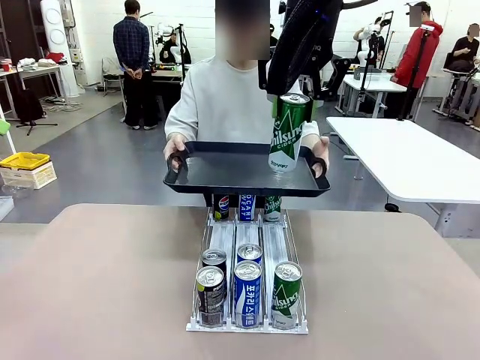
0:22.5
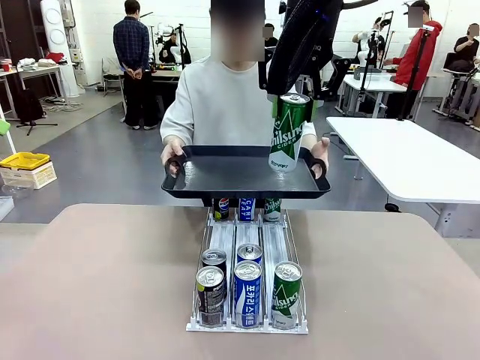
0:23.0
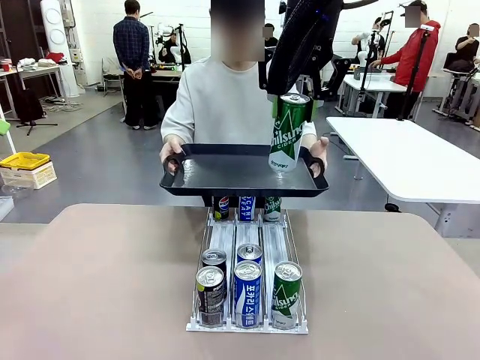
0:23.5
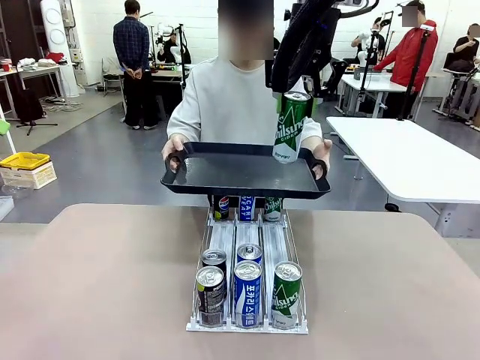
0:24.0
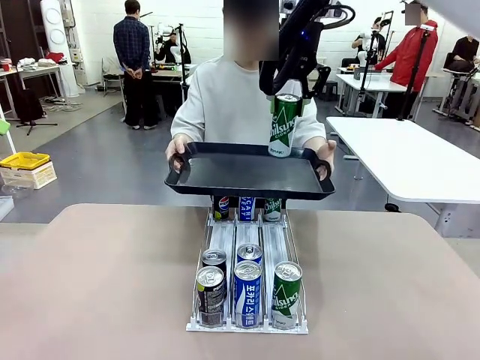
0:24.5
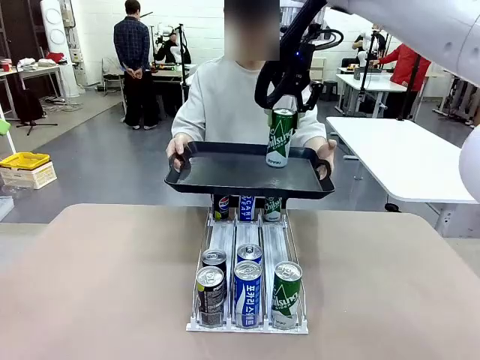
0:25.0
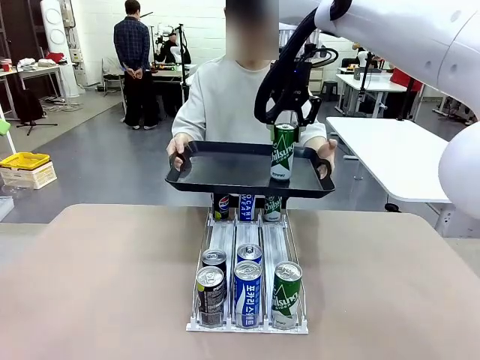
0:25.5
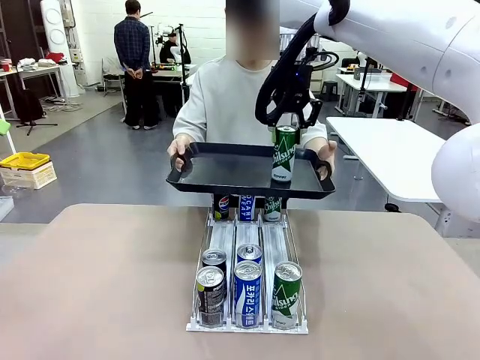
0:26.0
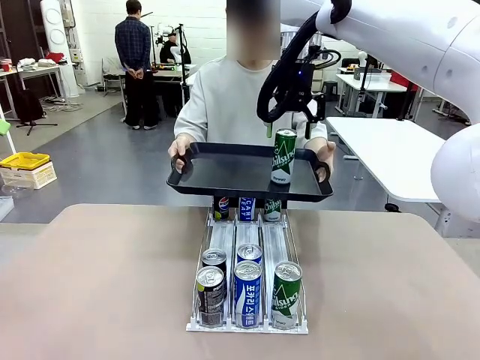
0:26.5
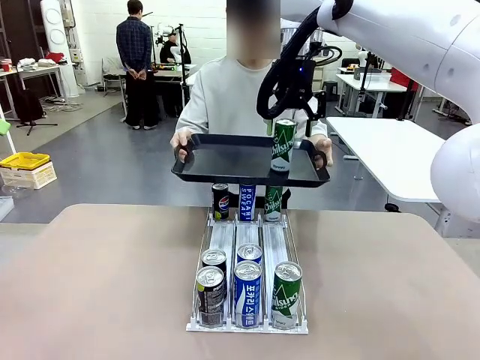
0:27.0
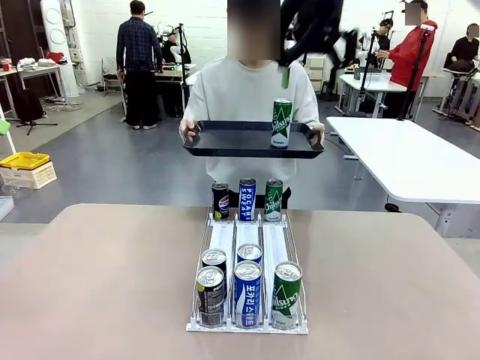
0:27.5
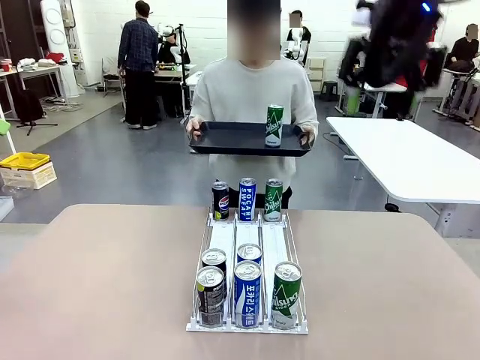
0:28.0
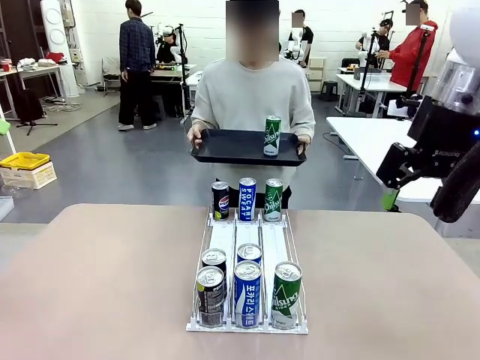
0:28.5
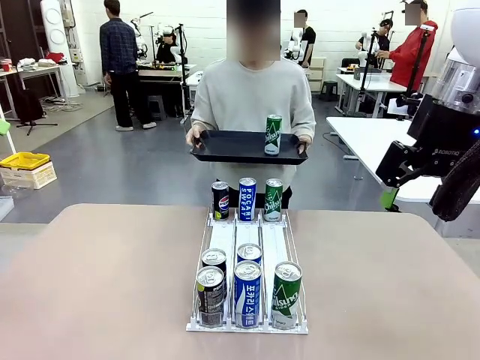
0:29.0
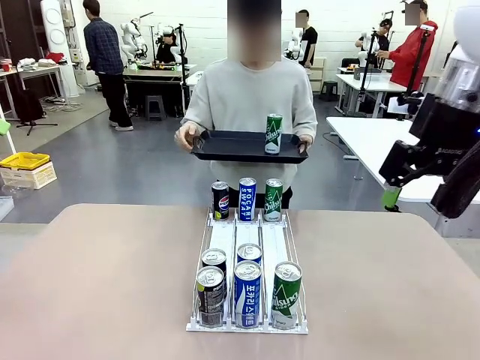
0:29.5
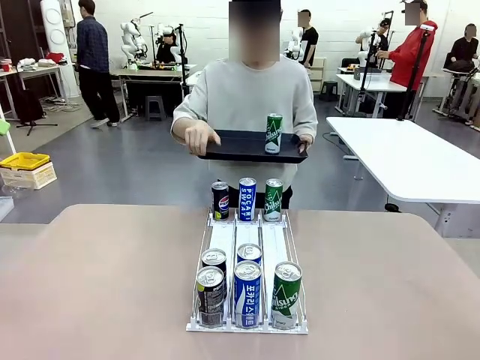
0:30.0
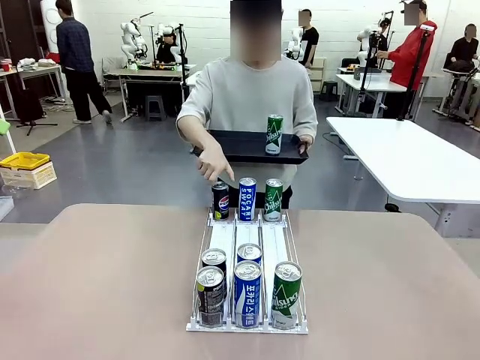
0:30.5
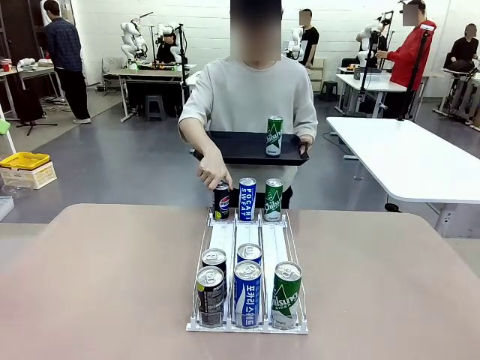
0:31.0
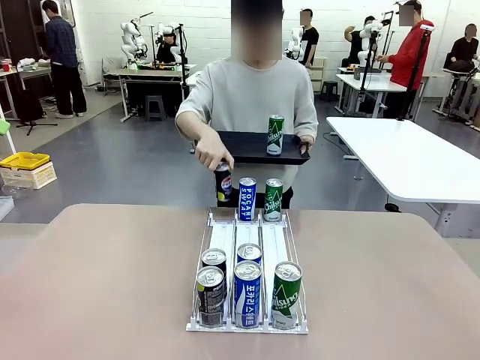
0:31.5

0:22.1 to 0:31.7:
Task: Retrieve and hand over the desired beverage to the person.
Robot: Place the picked can on the Handle tray extended by the person.
Person: Pull the tray back, then pick up another can from the bottom area of the table and puts it back in its original place.

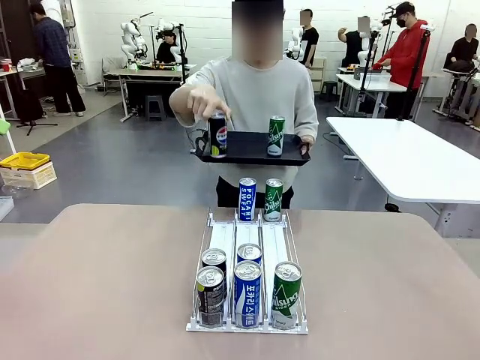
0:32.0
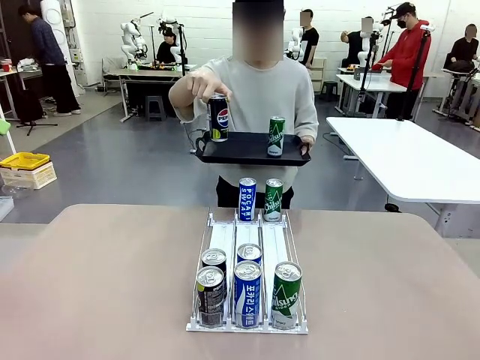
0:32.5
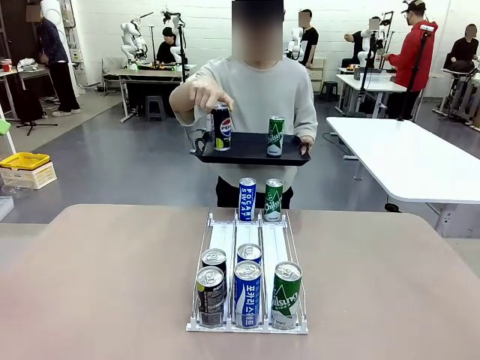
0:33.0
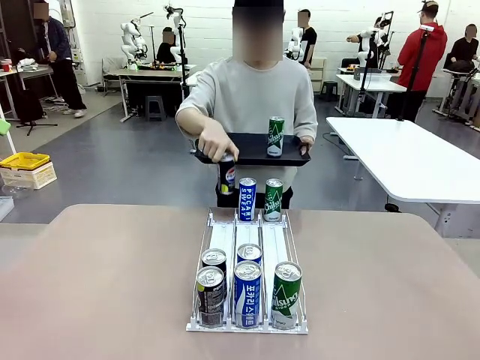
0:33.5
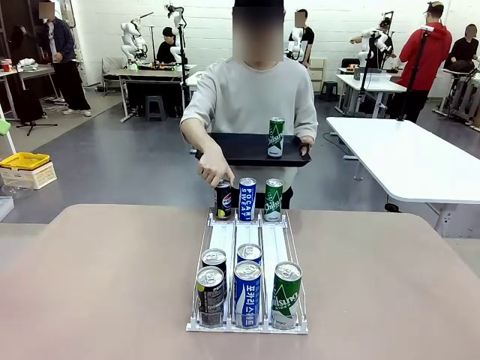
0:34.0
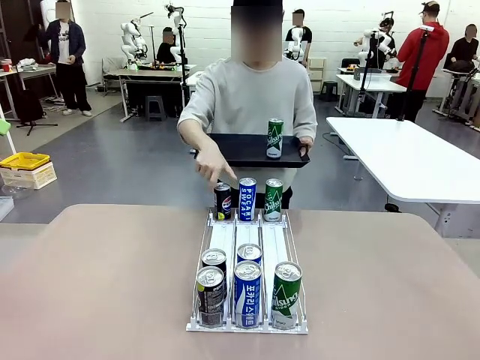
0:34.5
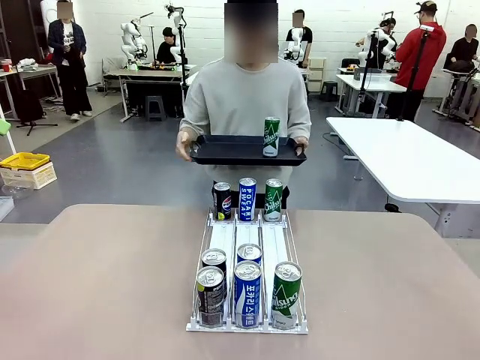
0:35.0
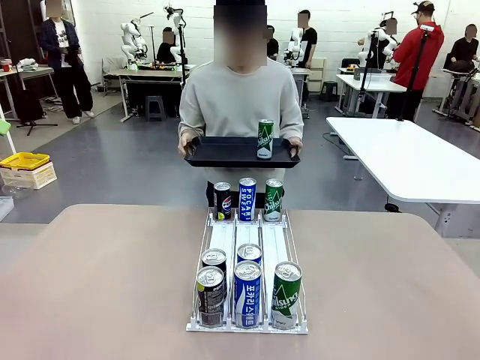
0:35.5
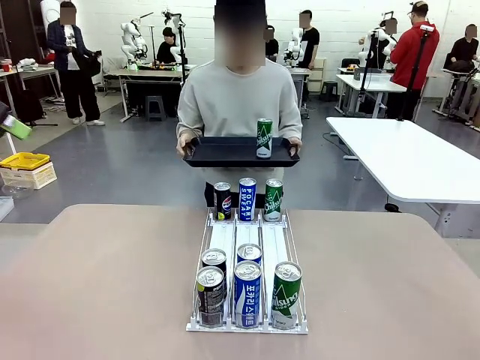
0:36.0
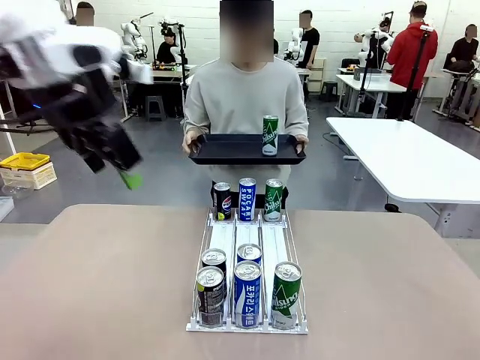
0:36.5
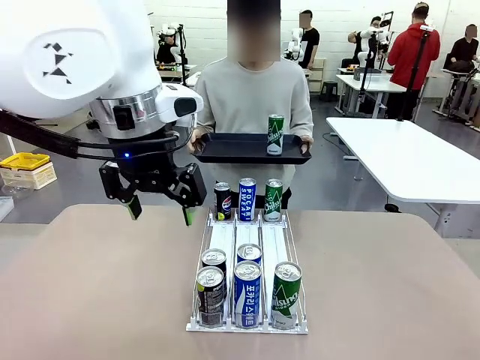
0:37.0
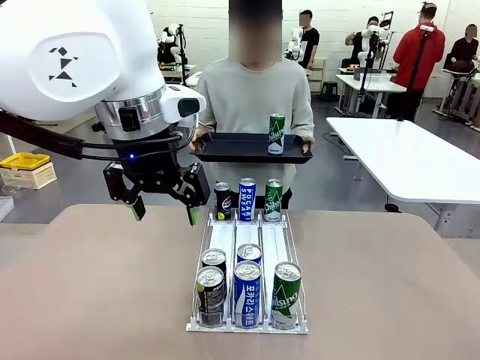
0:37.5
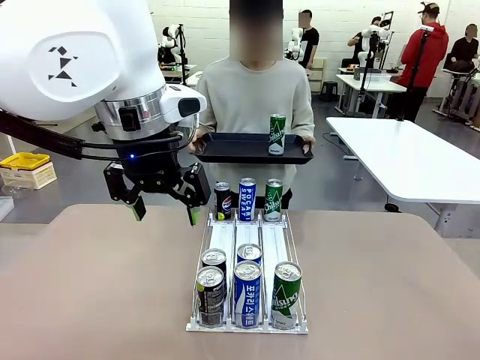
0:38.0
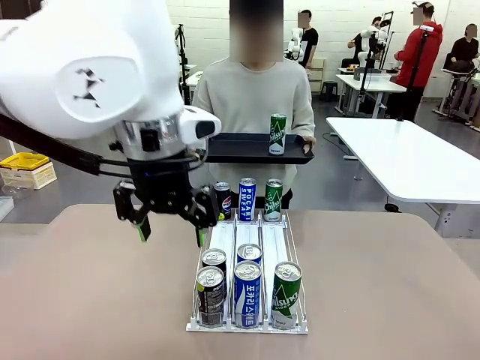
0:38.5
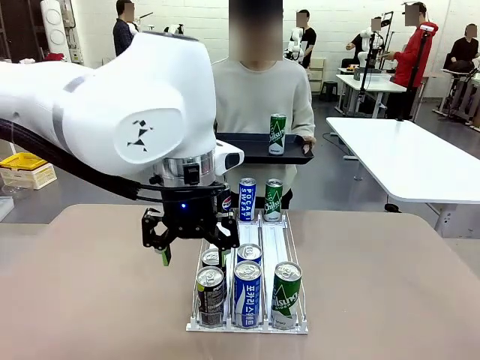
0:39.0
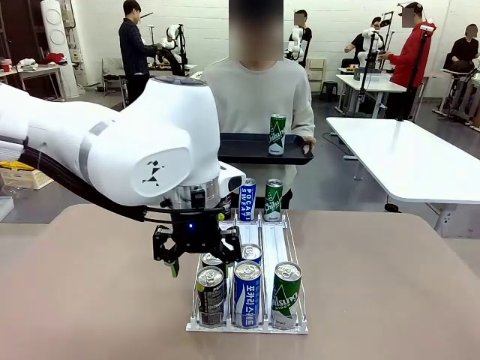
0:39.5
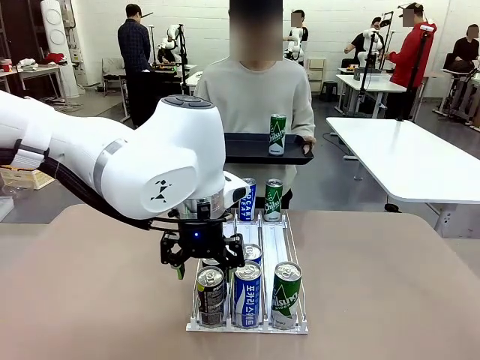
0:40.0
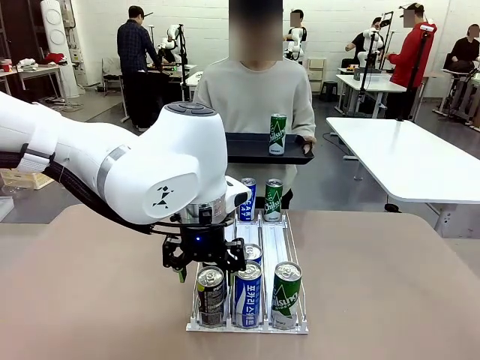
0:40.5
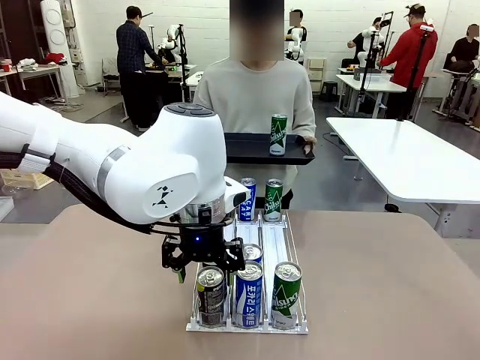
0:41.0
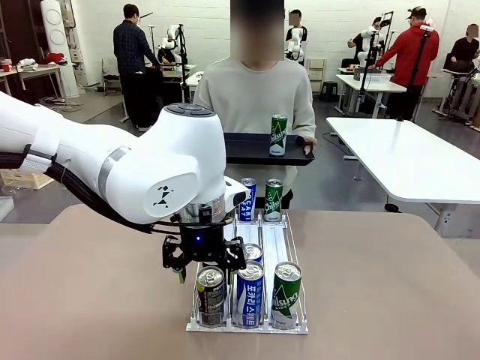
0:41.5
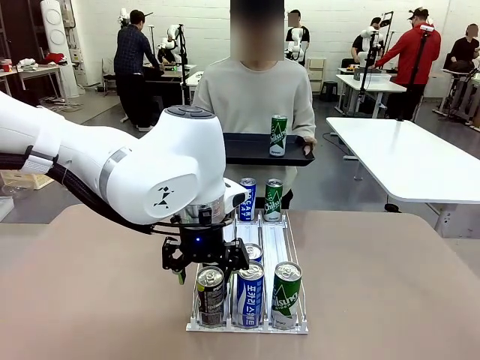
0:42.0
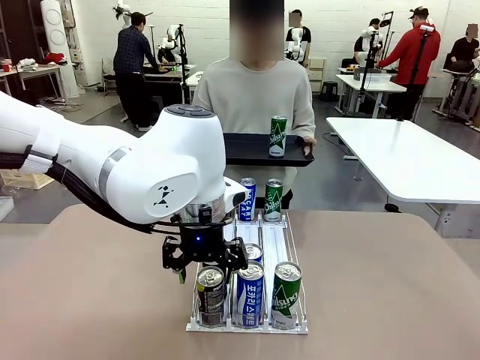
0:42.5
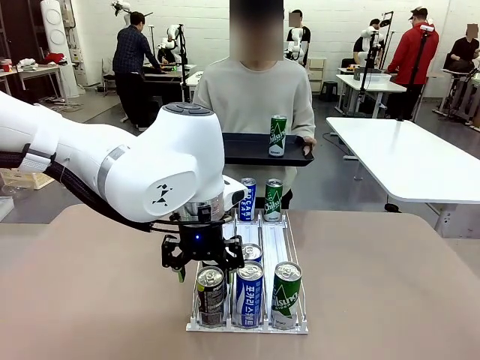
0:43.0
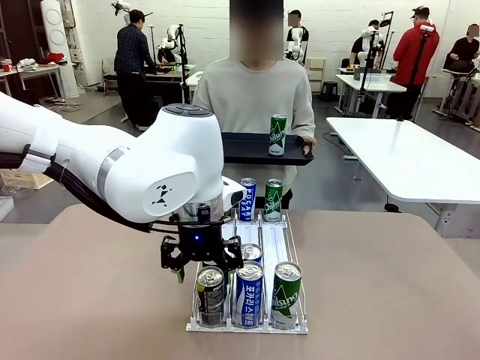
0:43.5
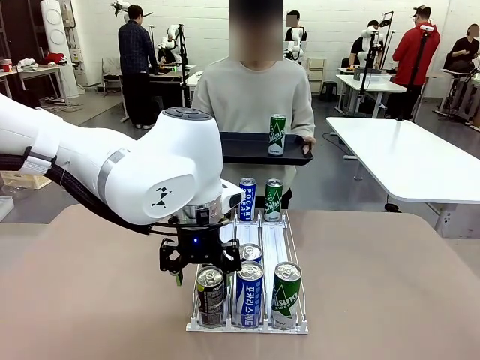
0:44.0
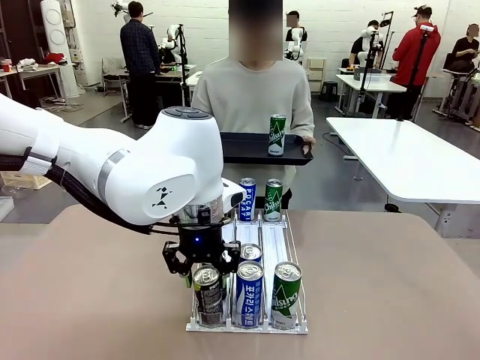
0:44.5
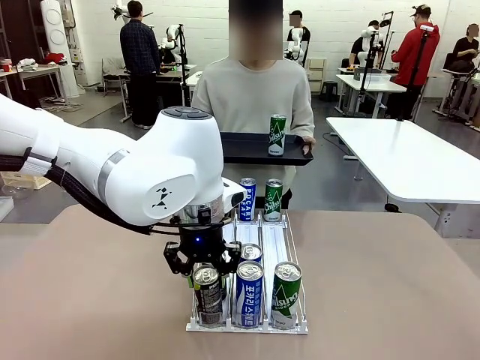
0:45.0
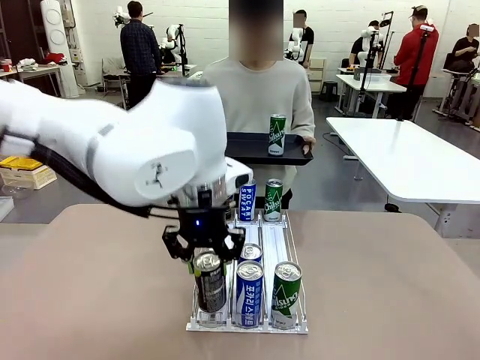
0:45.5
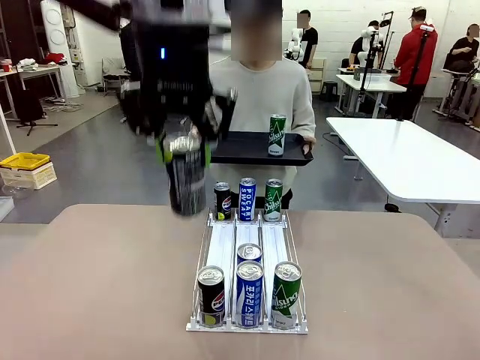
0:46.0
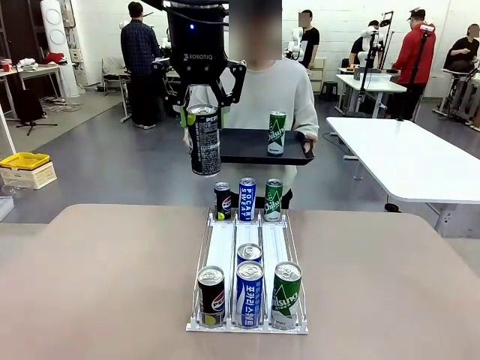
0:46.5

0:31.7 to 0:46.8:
Robot: Pick up another can of the same type that the person held from the Automatic Can Dispenser.
Person: Push the tray toward the robot again.
